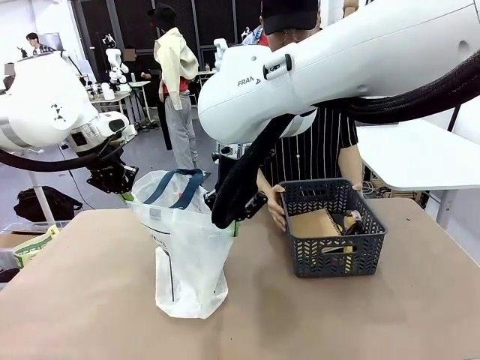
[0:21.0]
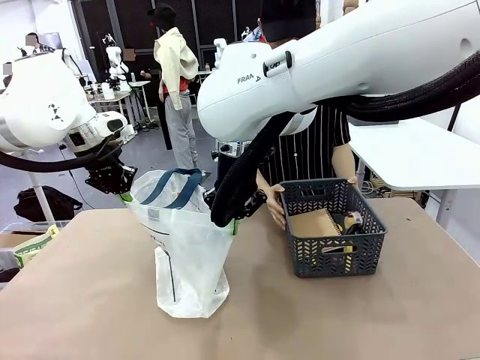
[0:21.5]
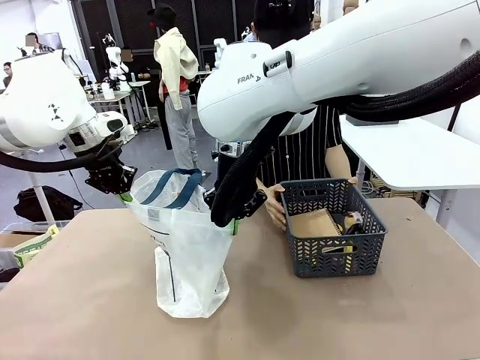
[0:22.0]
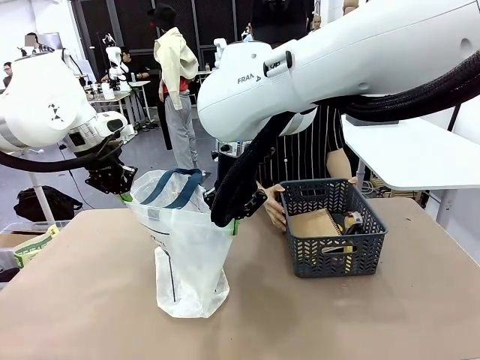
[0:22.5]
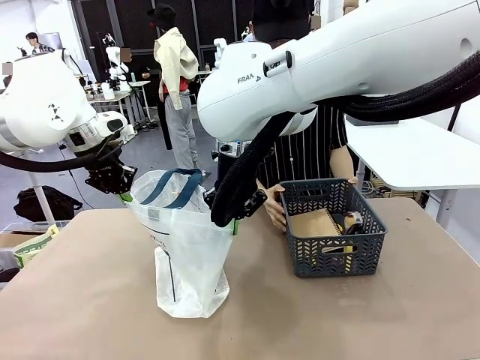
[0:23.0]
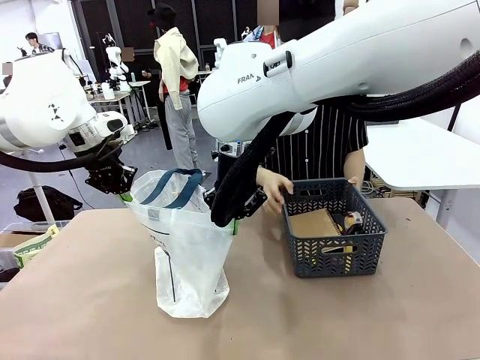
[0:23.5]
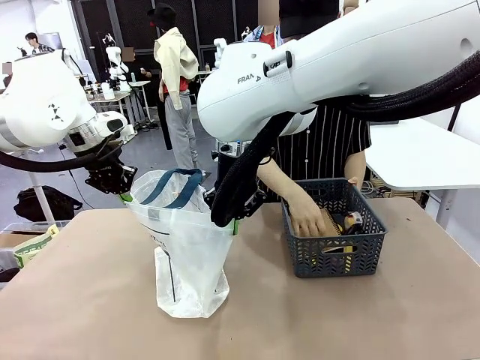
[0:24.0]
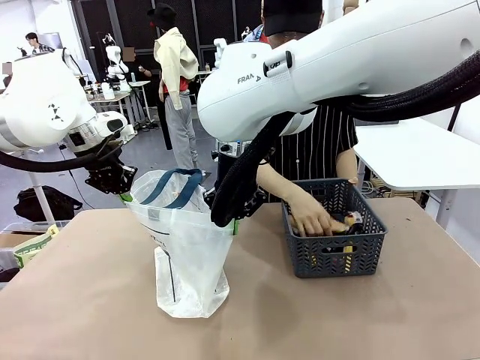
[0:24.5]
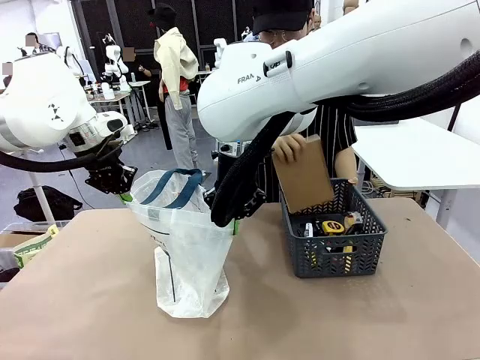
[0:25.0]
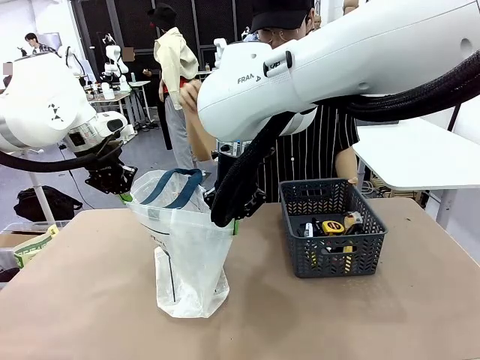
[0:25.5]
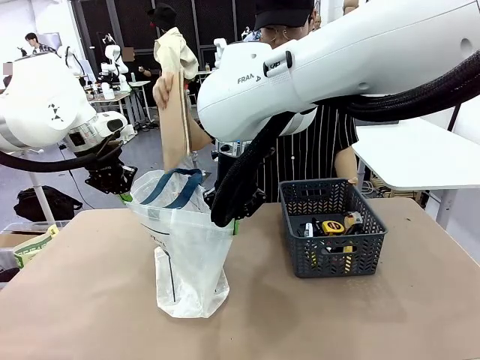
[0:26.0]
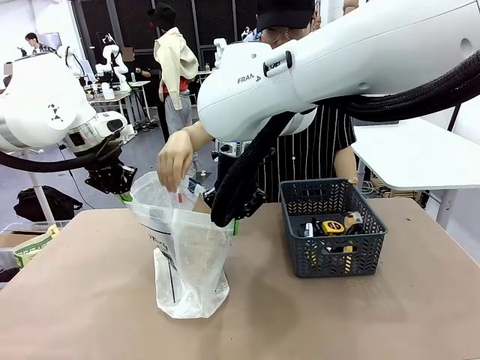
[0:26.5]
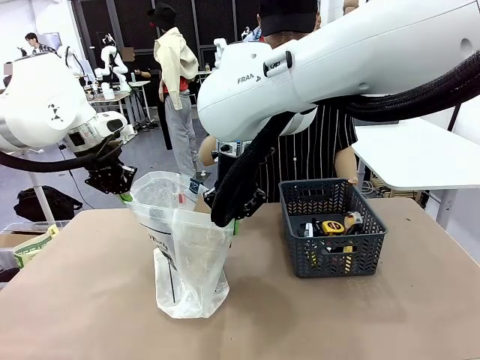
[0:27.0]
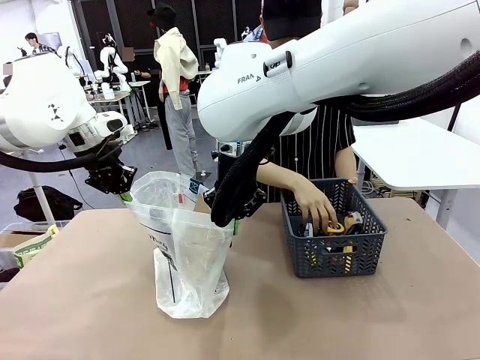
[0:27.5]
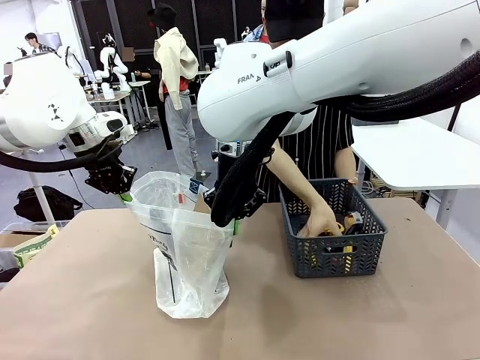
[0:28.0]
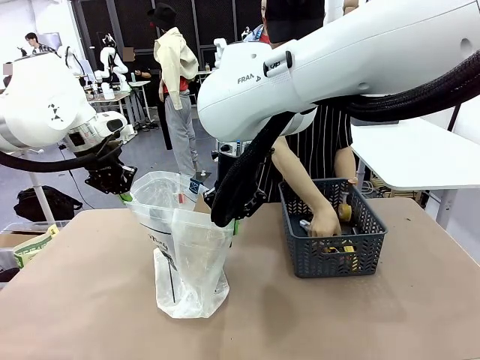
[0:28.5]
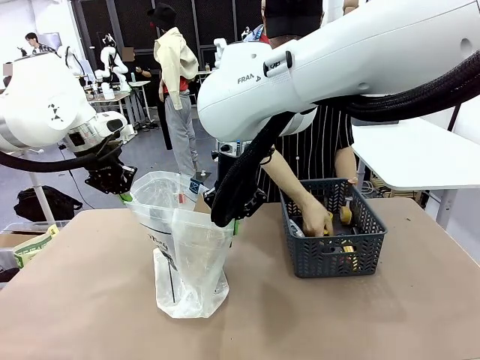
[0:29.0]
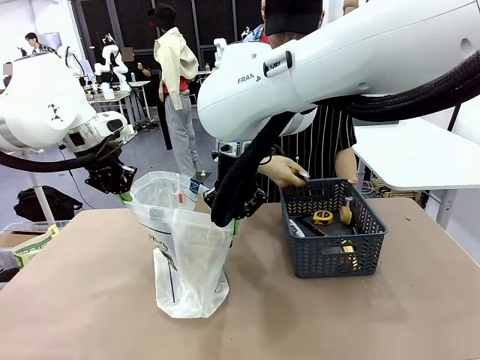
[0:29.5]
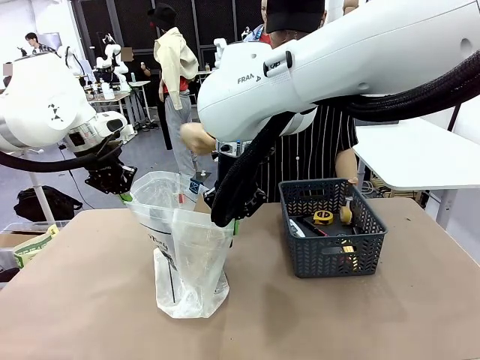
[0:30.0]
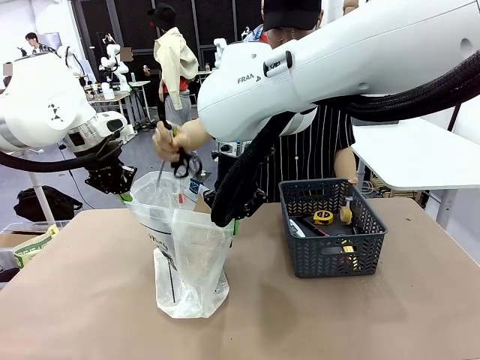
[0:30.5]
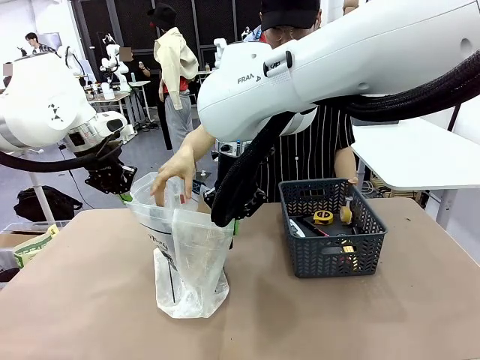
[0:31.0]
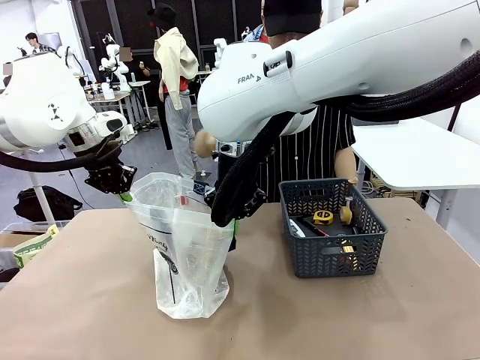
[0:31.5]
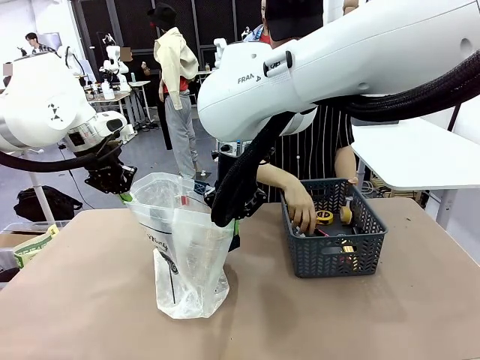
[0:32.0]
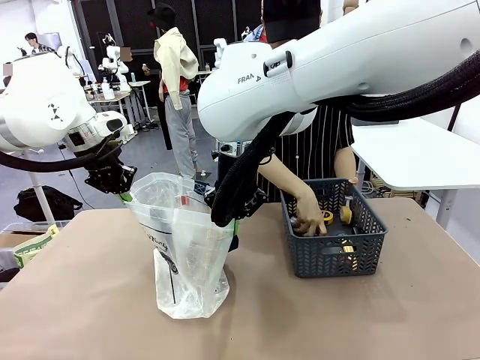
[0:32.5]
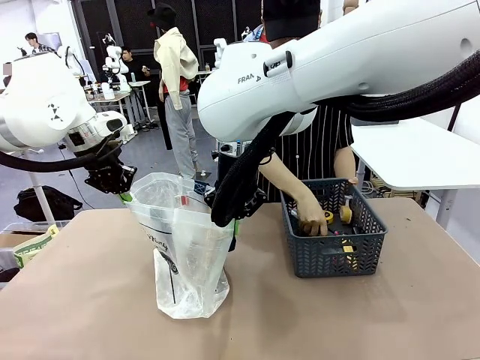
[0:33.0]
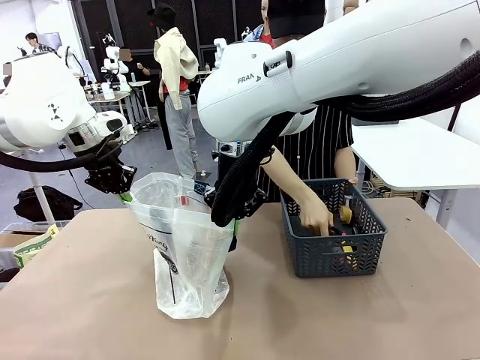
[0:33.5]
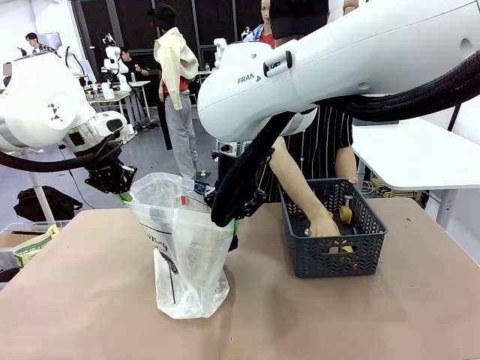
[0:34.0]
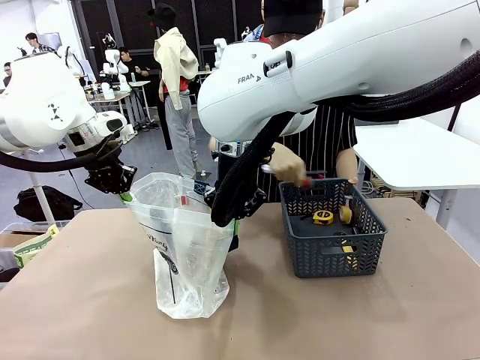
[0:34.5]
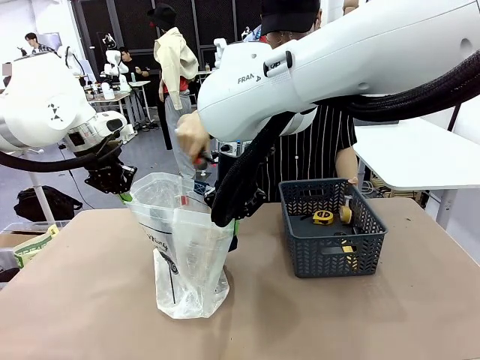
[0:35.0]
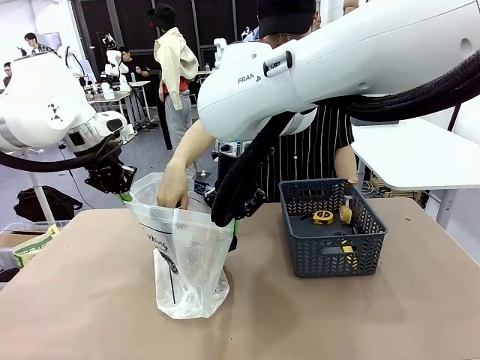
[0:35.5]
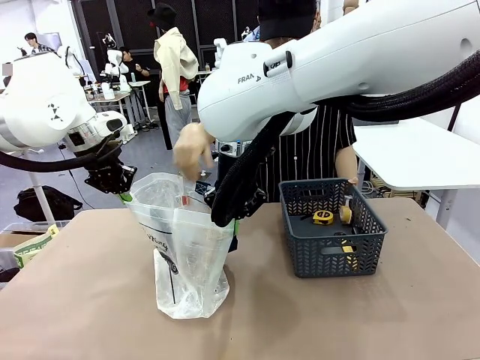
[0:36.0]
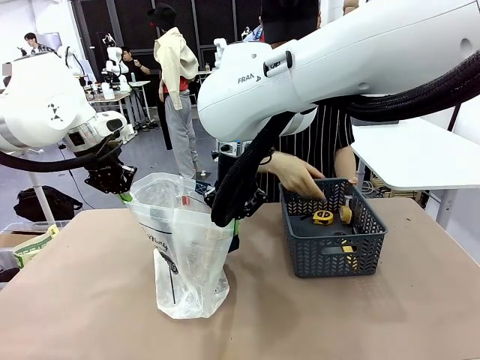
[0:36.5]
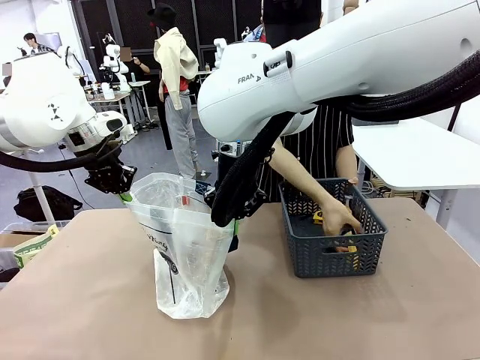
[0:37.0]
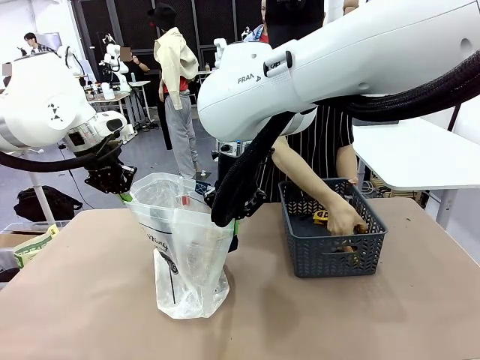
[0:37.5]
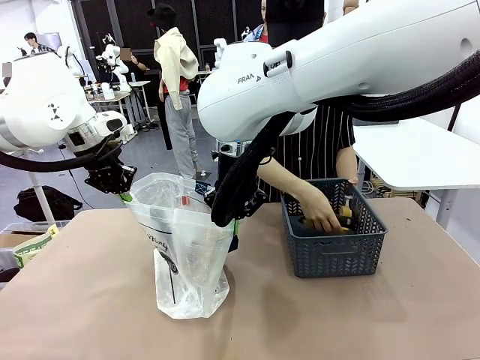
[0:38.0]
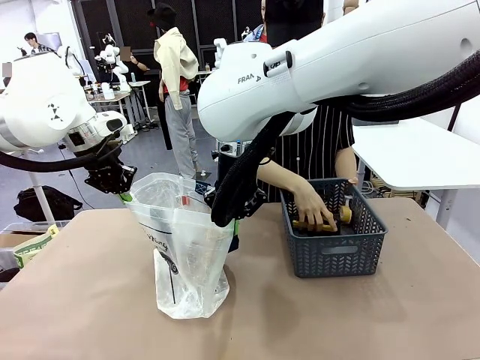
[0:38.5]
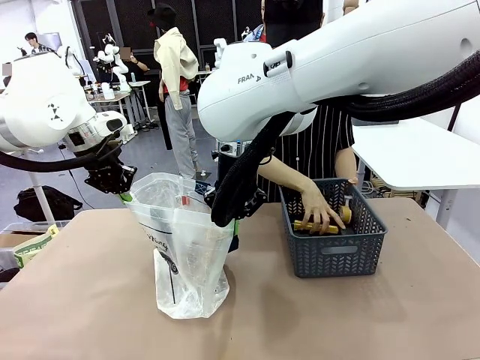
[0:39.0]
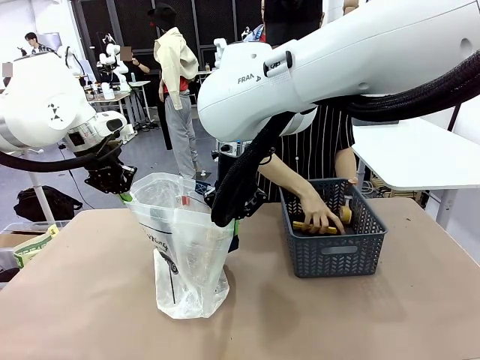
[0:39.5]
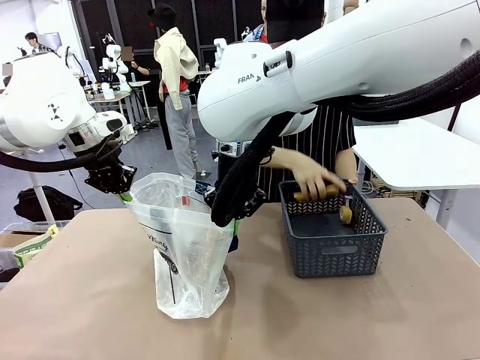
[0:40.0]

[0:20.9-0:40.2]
Task: Transfer purchased items from the store into the shopping bag.
Robot: Move the Reusable shopping bag to the right side of the table.
Person: Pick up the basket with the items out and place it on the right side of the human table.
